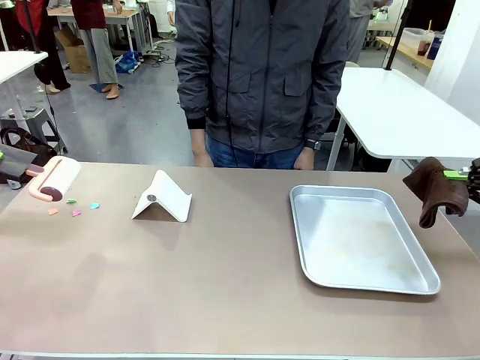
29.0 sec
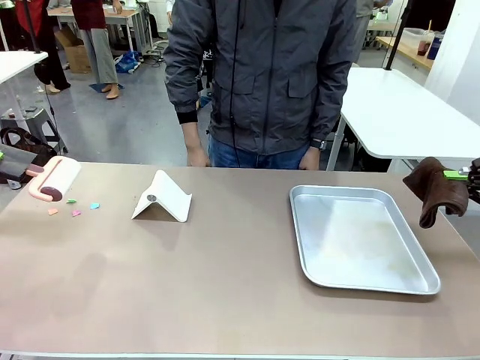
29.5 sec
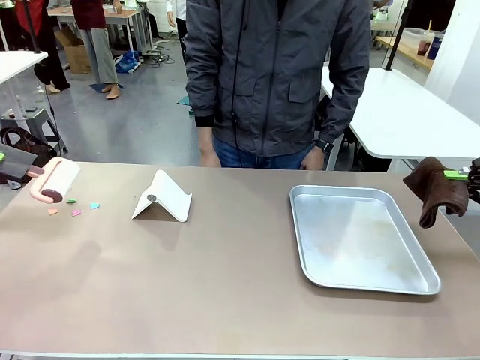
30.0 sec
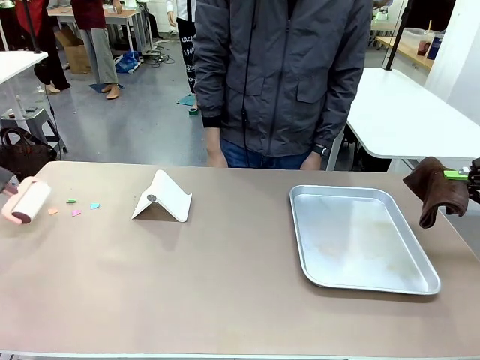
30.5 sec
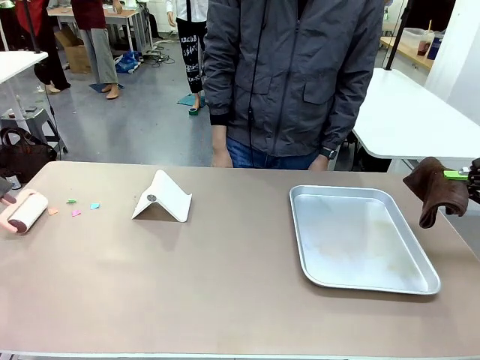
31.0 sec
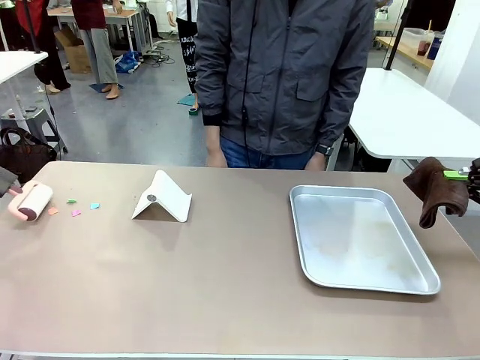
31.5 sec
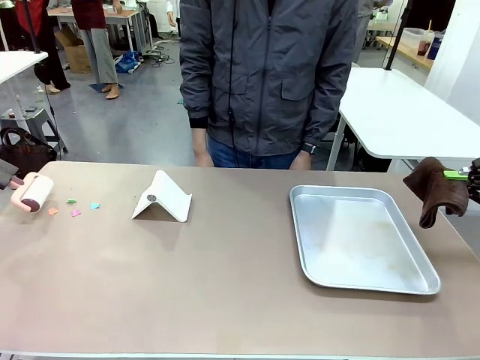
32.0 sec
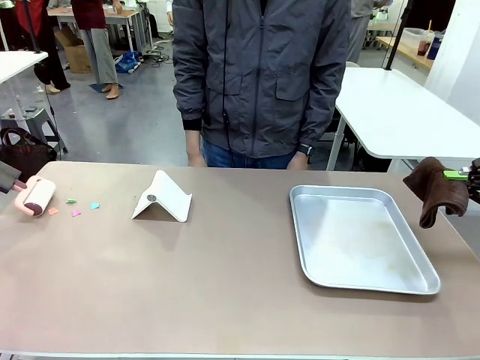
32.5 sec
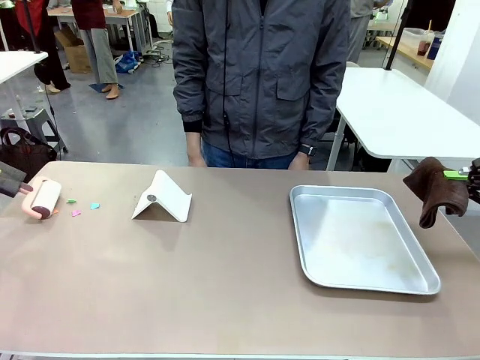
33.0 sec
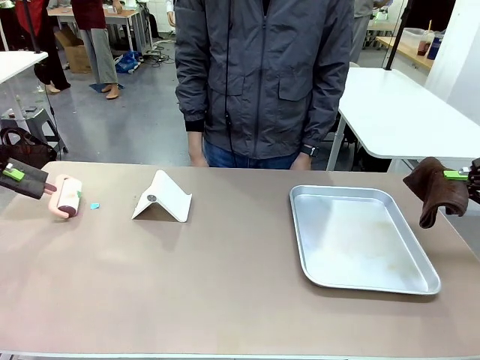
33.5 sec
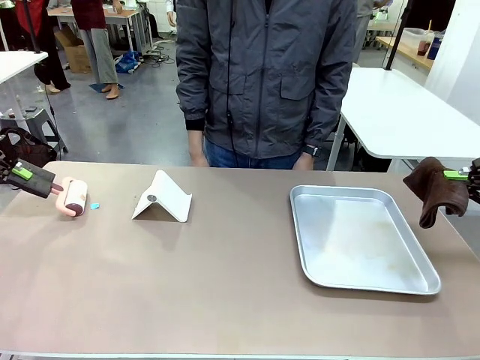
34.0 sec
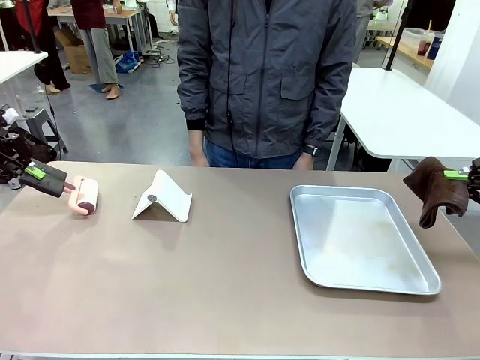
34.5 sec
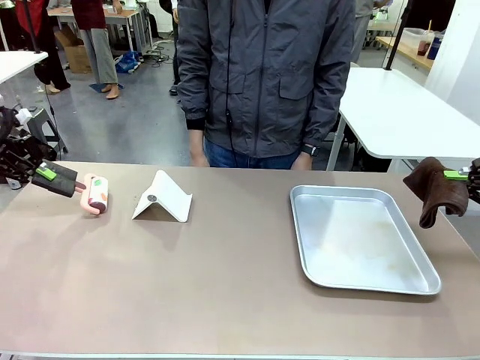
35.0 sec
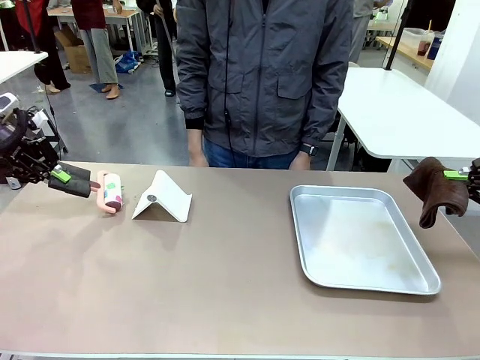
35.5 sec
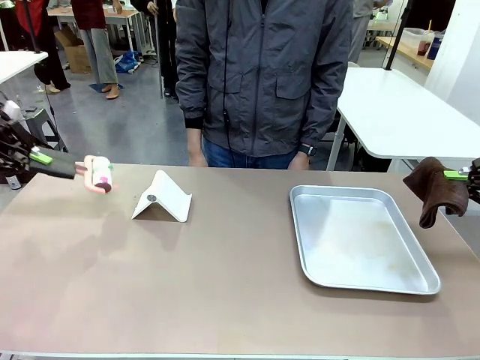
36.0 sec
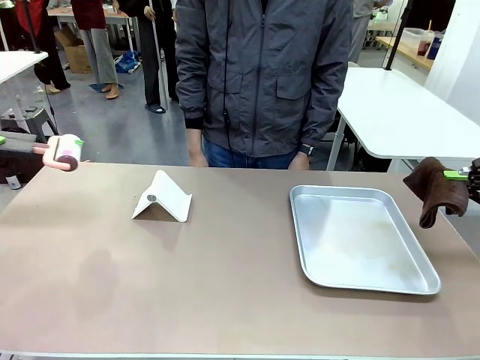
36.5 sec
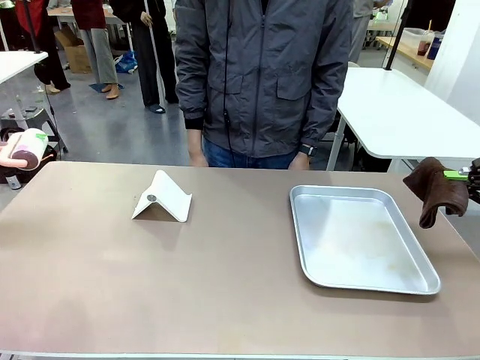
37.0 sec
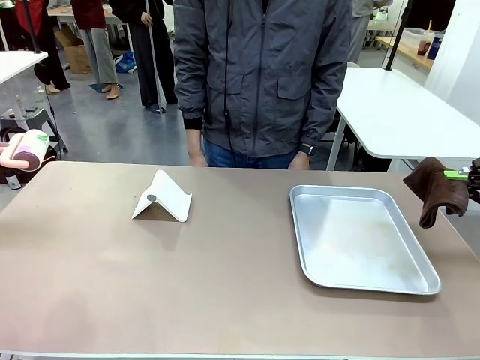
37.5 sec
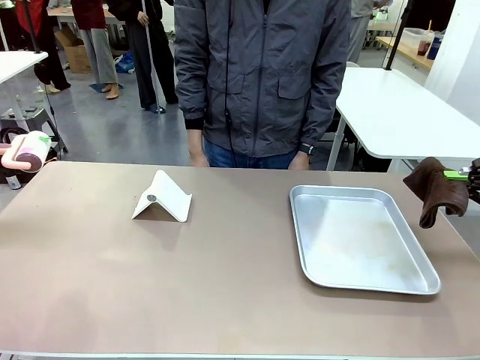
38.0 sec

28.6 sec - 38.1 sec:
Task: Clean the surface of the table.
Robot: Clean the area not pointed to by the person.

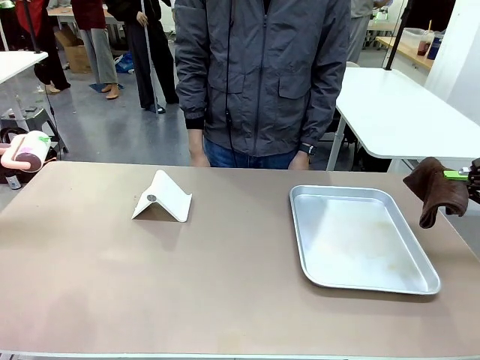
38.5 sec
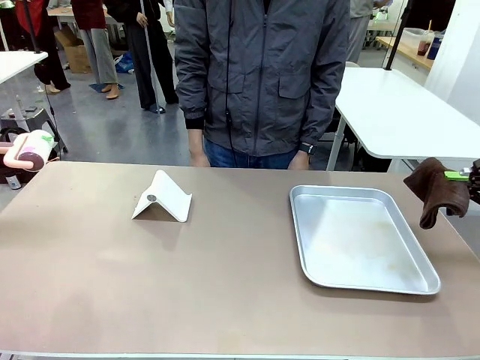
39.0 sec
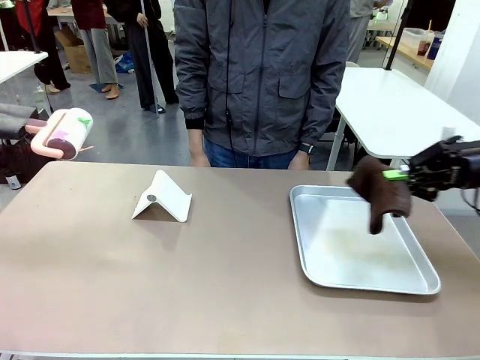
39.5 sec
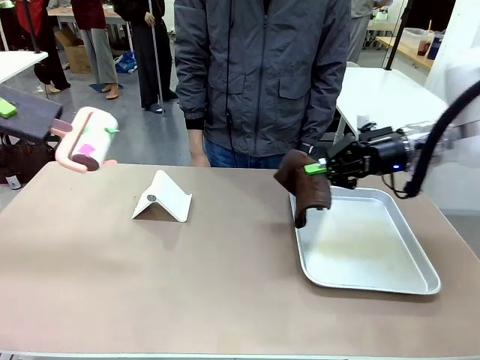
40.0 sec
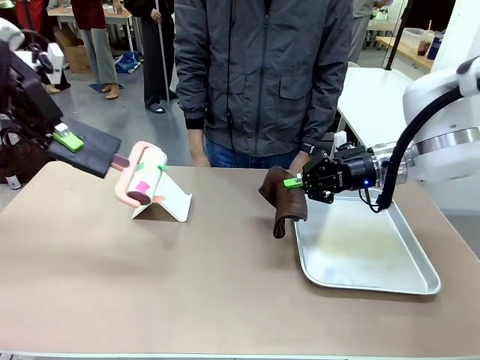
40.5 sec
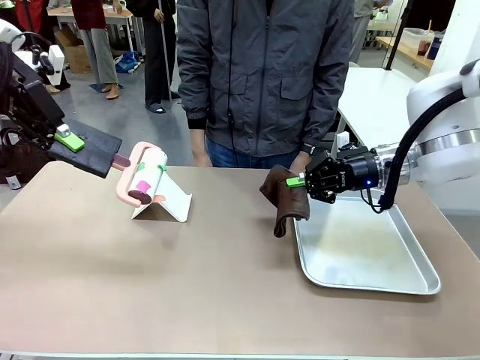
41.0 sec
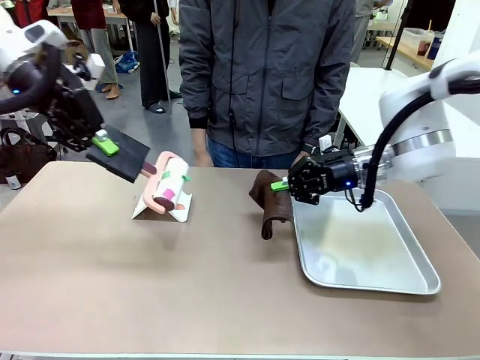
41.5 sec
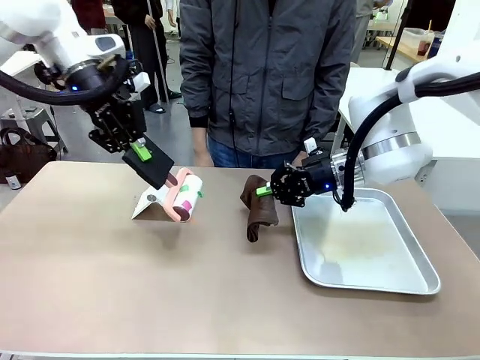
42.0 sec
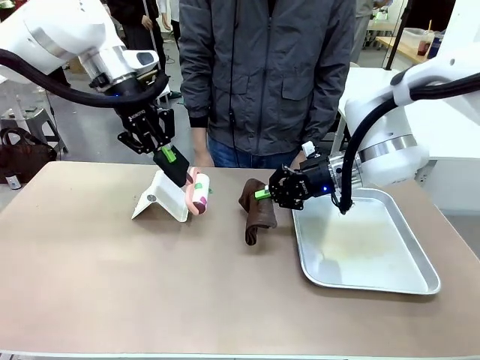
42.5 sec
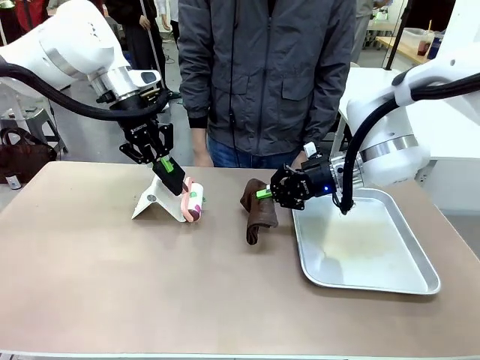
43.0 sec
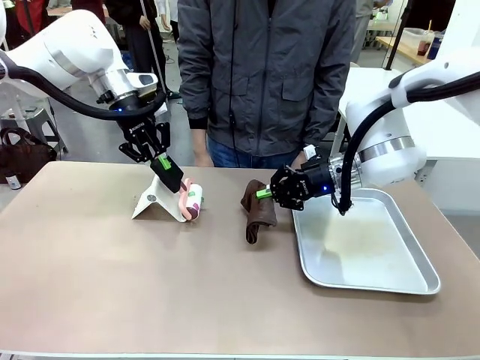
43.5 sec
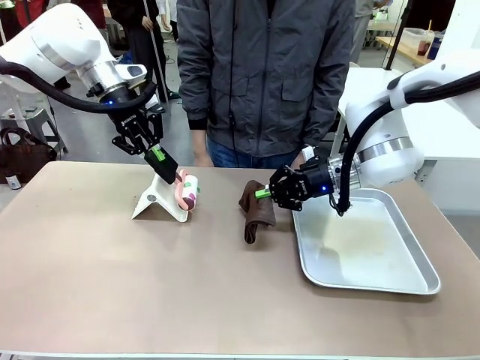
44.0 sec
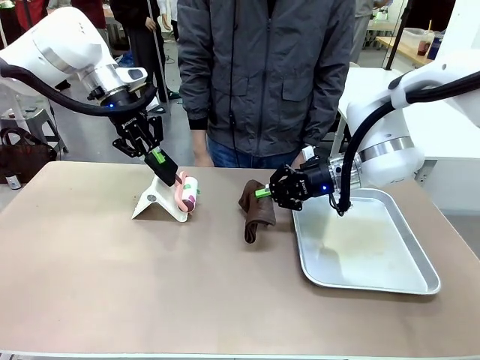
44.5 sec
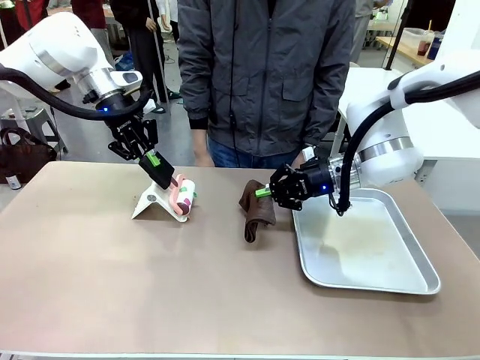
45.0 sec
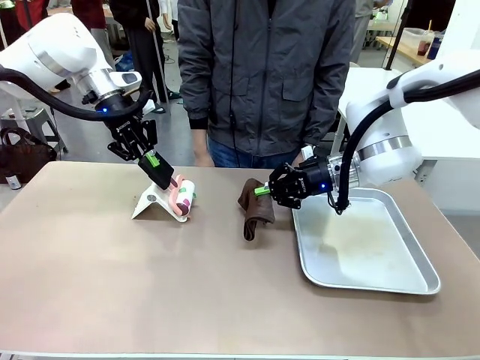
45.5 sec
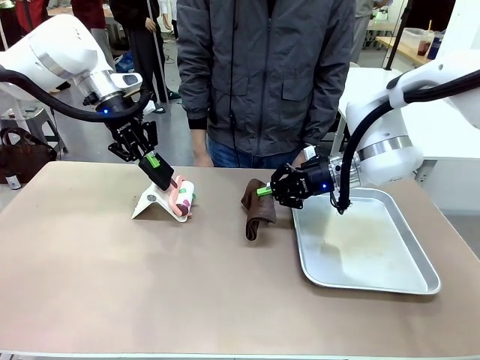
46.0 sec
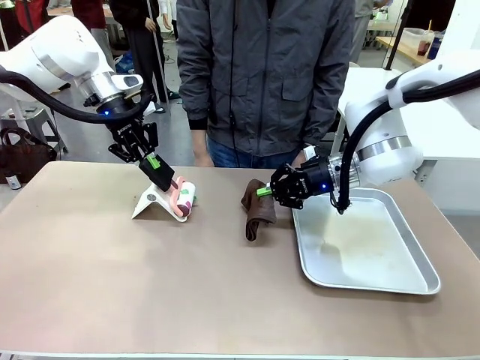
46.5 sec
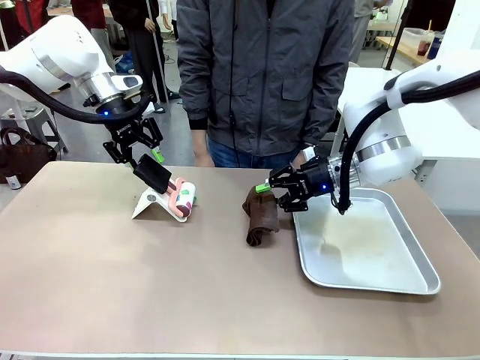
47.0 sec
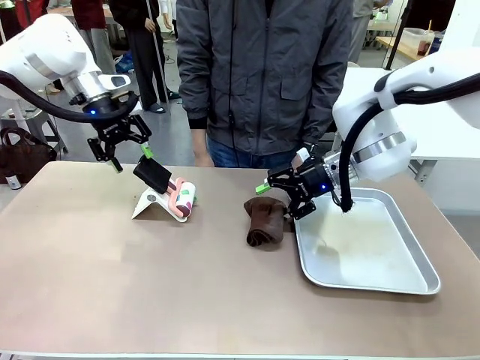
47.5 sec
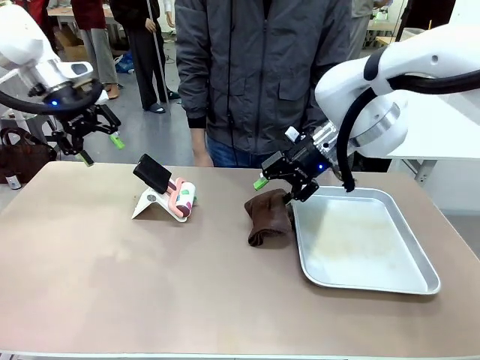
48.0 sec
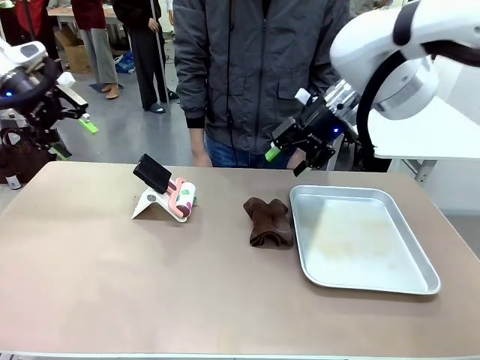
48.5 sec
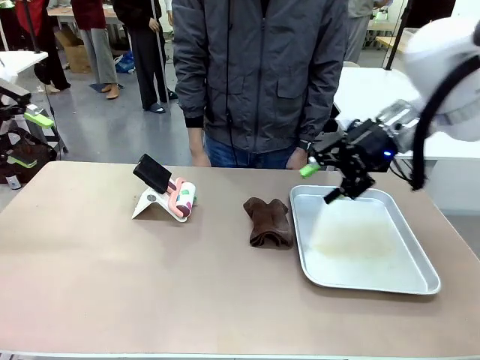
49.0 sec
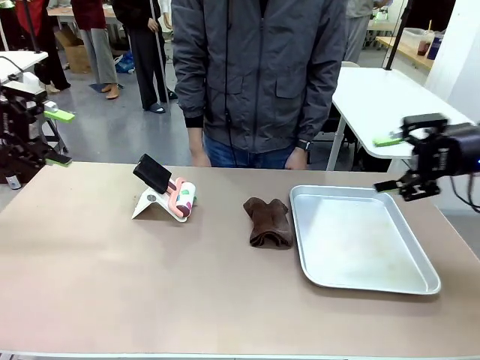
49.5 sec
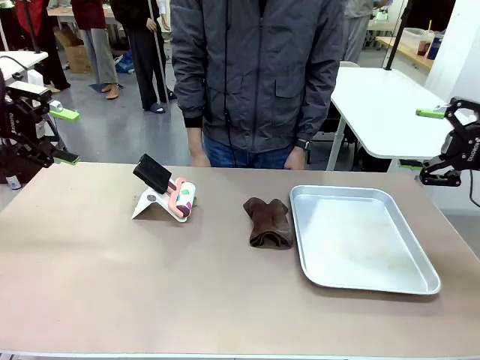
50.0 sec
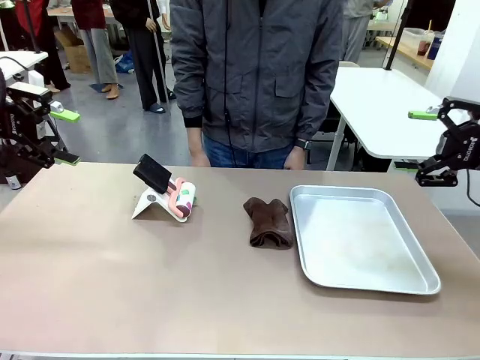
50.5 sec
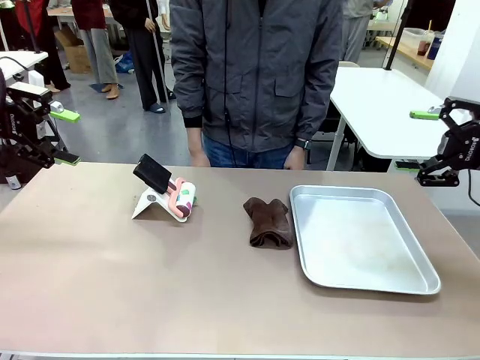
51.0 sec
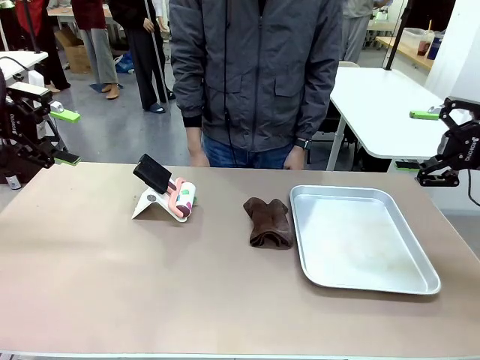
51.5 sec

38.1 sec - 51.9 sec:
Robot: Return the Lint Roller and towel to their original positions.
